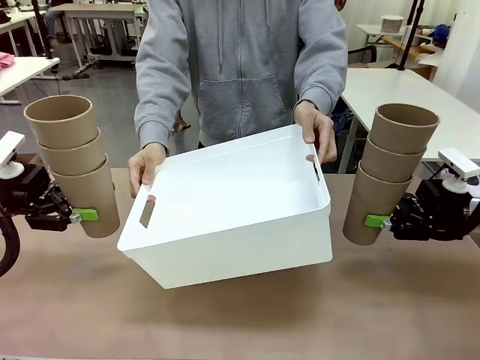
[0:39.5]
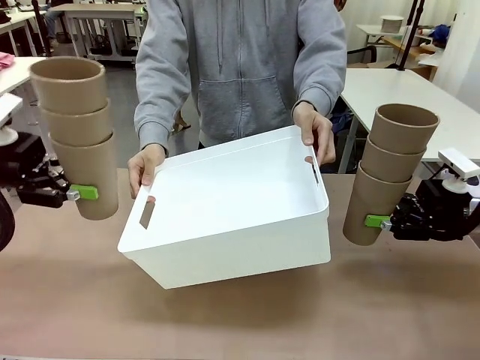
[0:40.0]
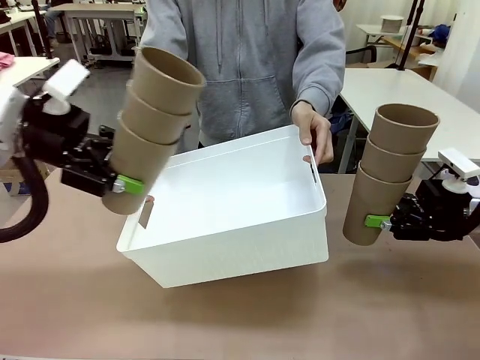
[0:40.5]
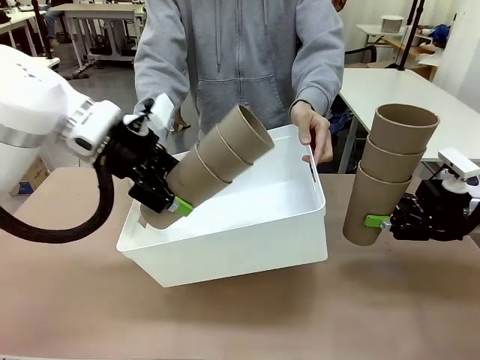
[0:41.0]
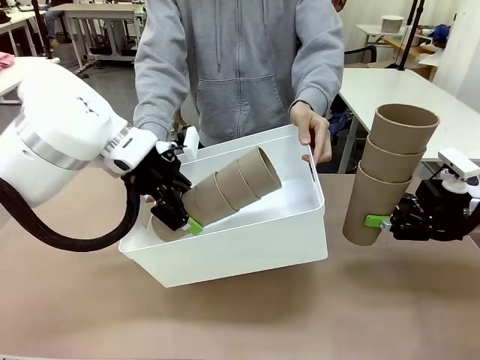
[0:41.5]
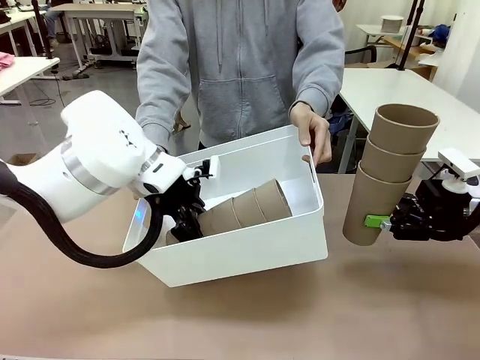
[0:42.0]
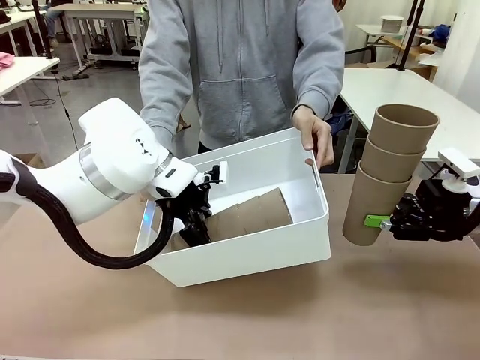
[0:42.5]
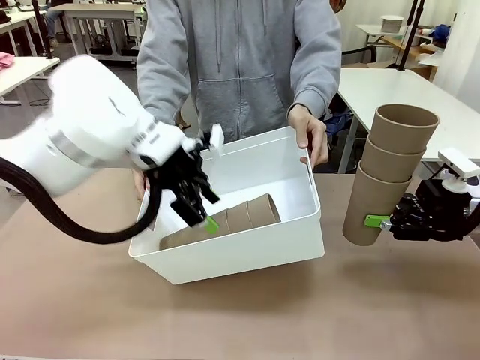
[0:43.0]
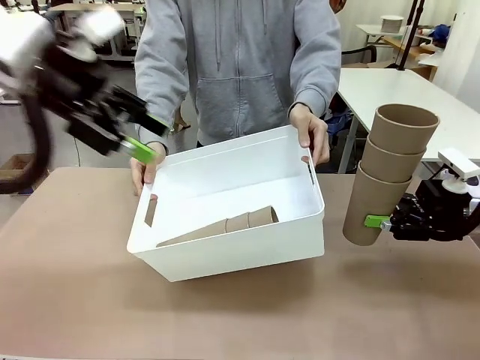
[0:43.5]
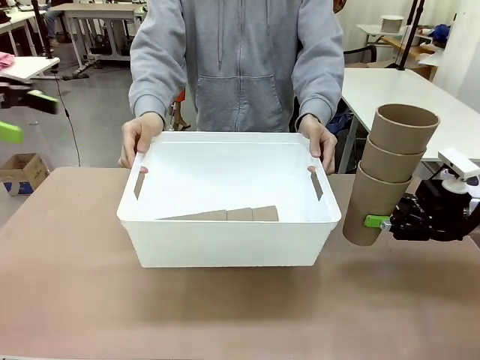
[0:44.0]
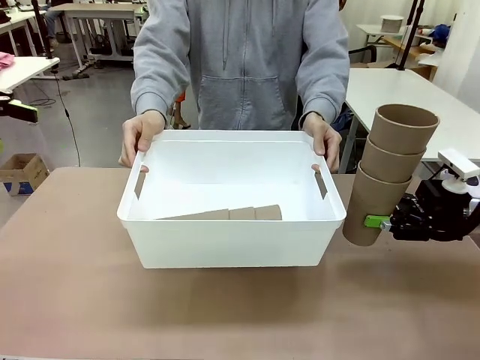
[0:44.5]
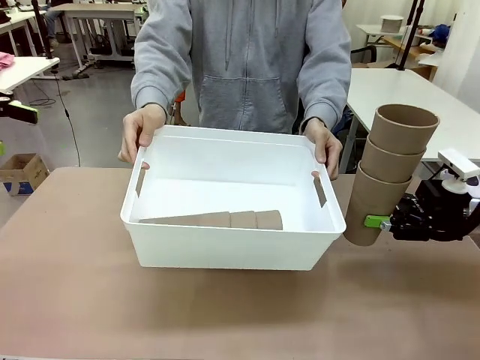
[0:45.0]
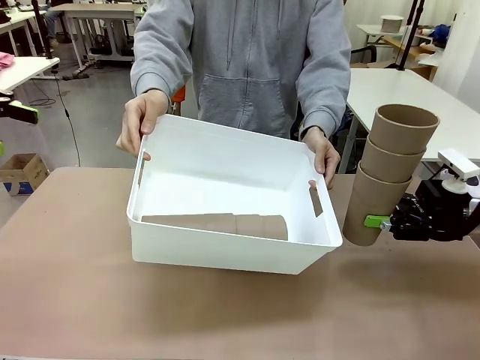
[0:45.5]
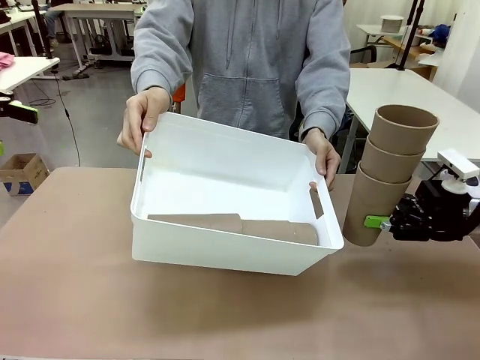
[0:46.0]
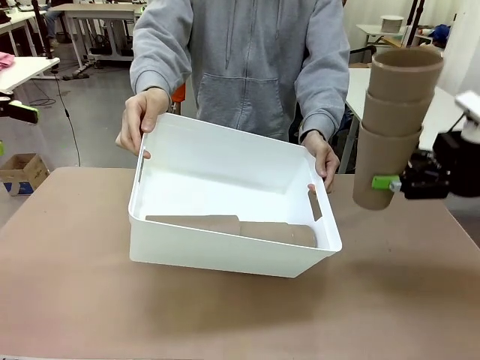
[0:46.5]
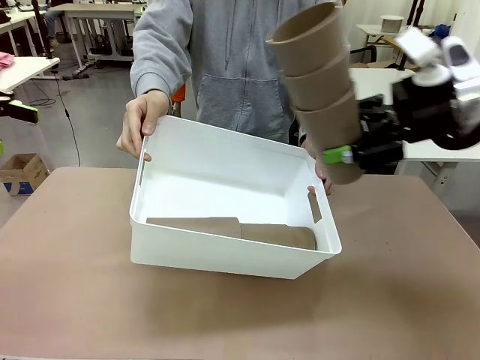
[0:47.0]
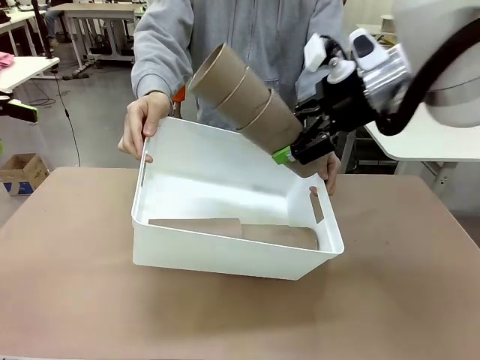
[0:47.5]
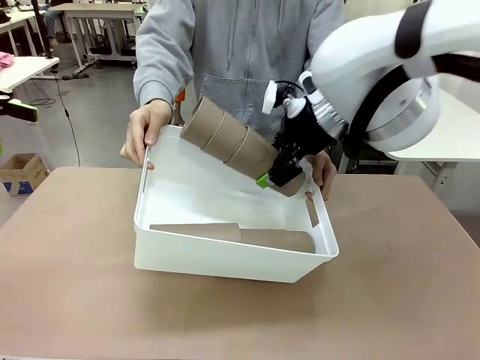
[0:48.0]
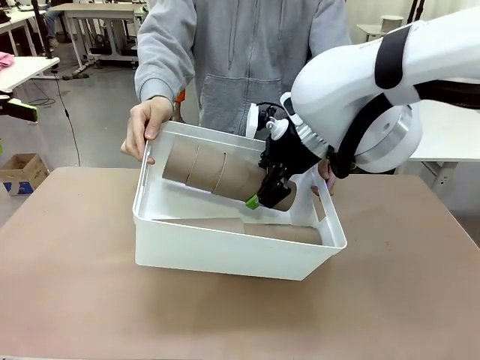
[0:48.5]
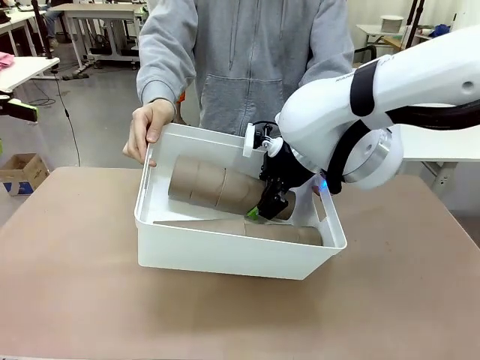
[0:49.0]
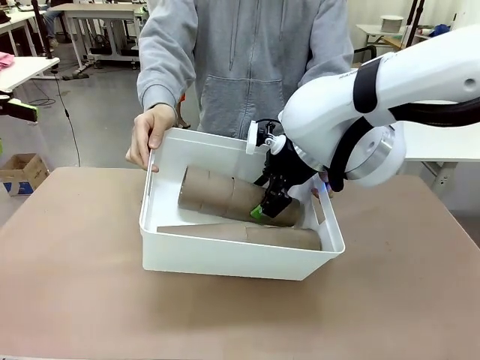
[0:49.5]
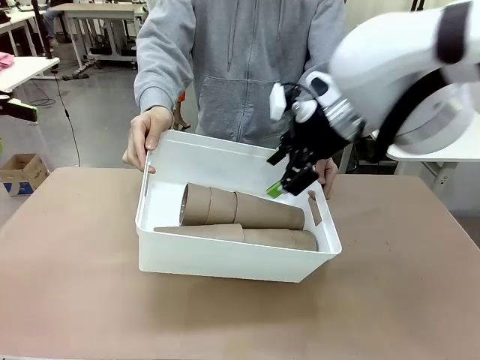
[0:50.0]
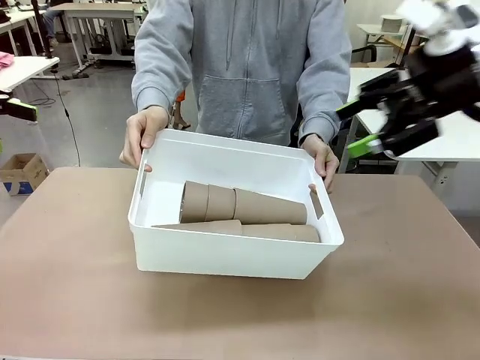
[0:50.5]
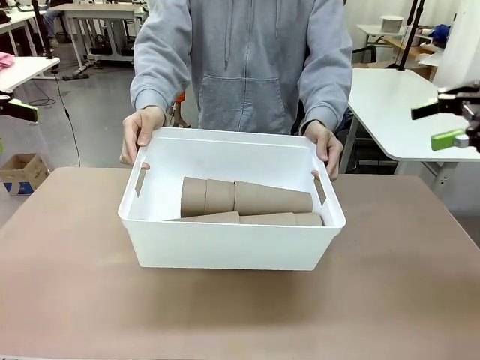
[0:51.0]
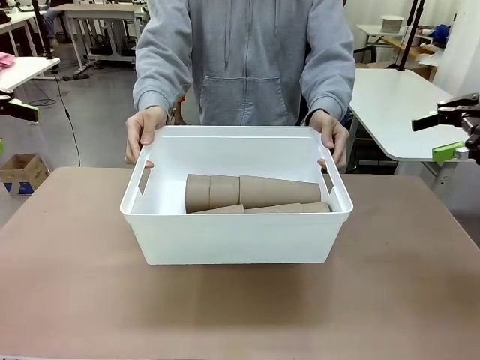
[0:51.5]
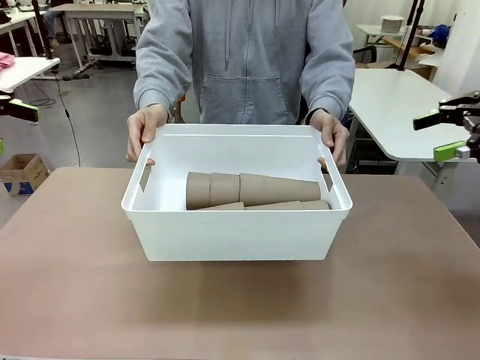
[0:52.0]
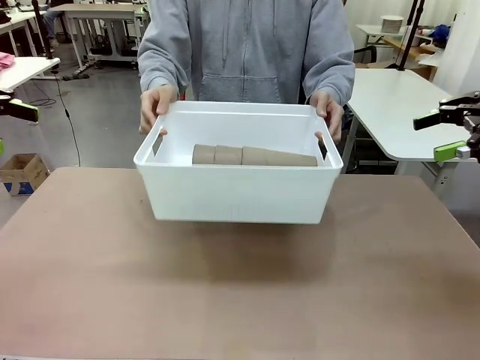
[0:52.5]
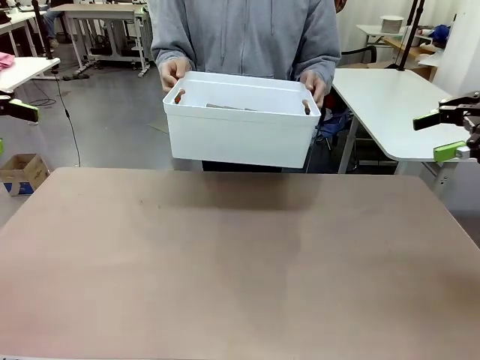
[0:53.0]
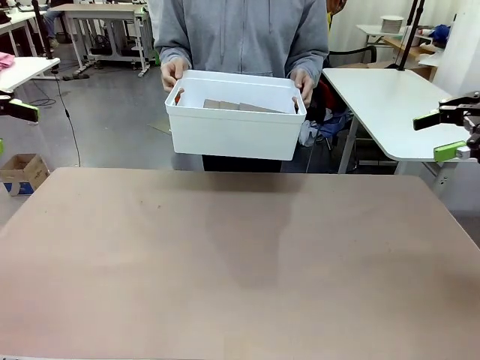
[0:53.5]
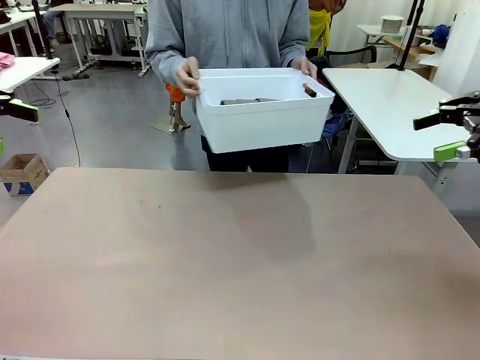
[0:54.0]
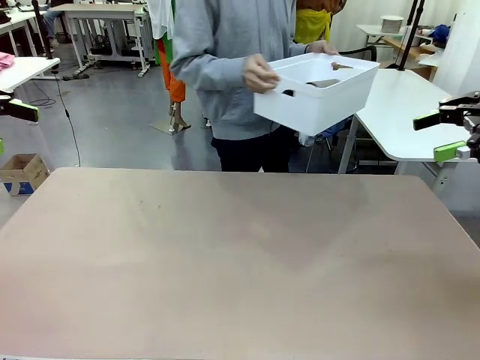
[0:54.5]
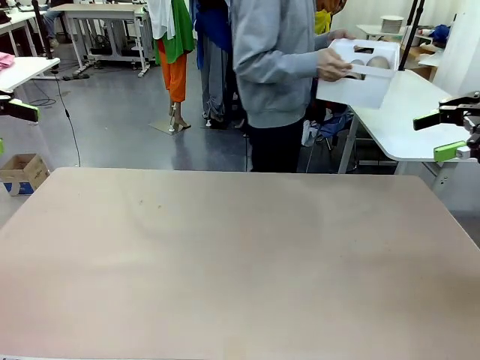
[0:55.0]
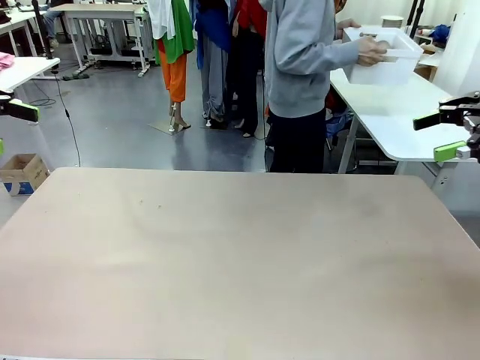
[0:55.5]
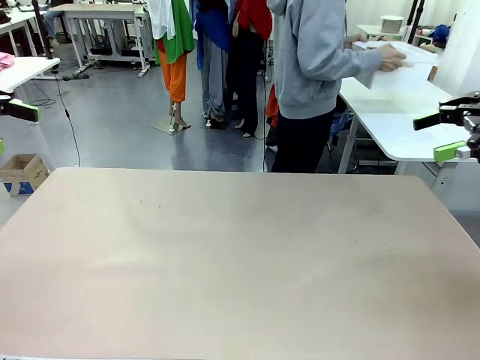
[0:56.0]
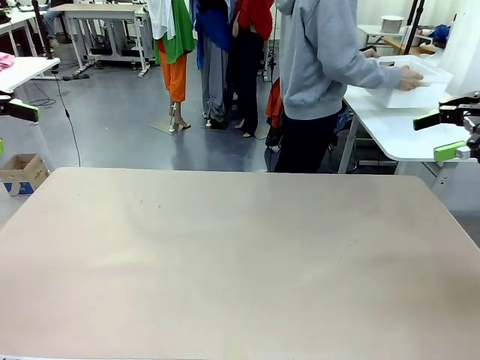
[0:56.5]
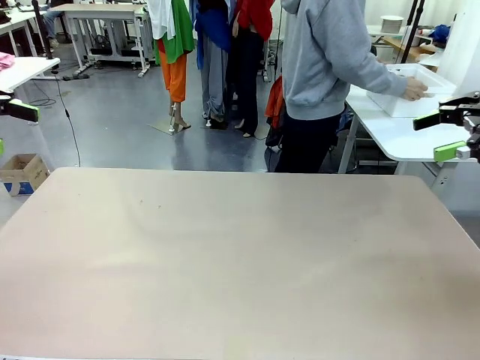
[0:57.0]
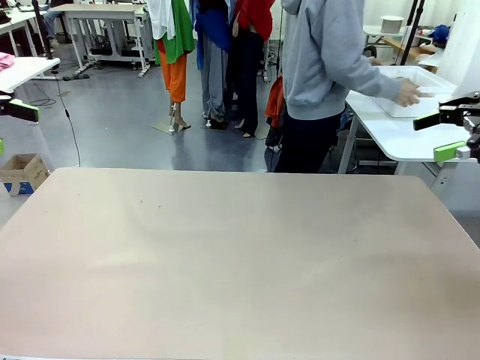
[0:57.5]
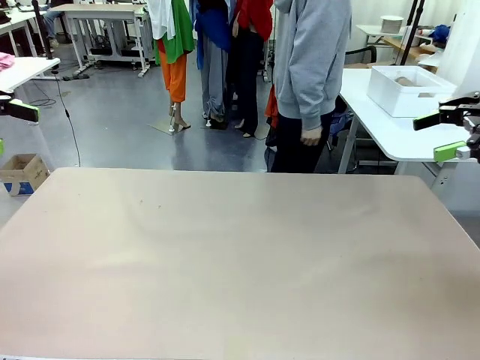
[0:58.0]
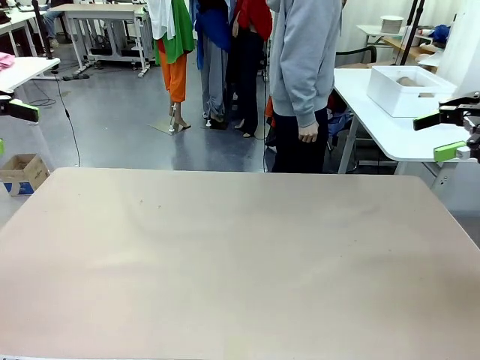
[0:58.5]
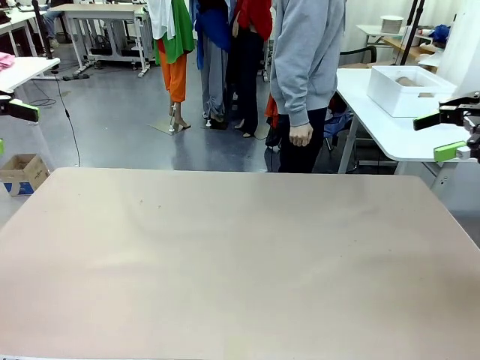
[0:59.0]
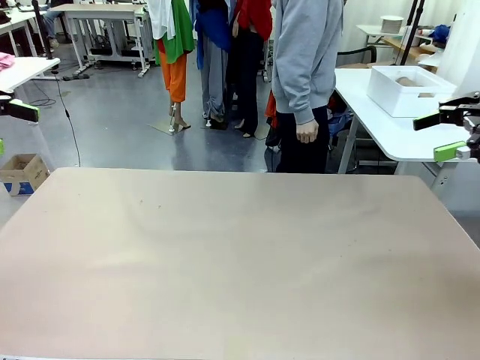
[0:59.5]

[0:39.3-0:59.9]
Task: Stack the cups and store them in the basket.
Robot: Place the stack of Reusable plastic cups into the Pantry Basket.
Person: Place the basket containing the cups in the middle of the Human Table.

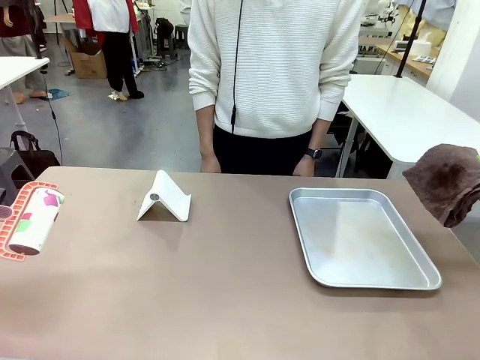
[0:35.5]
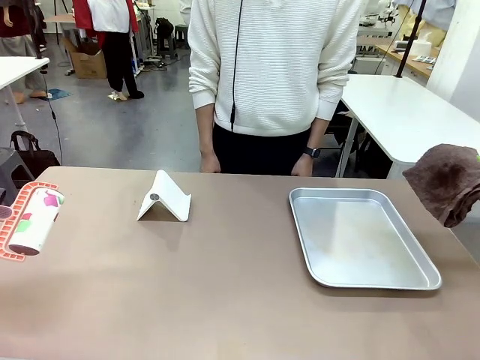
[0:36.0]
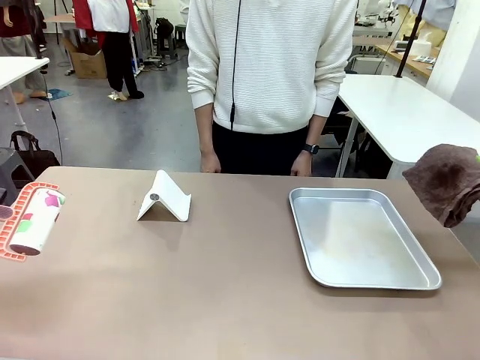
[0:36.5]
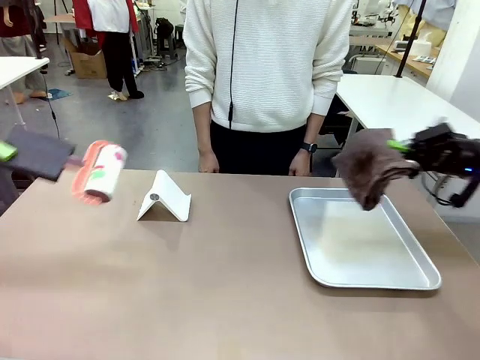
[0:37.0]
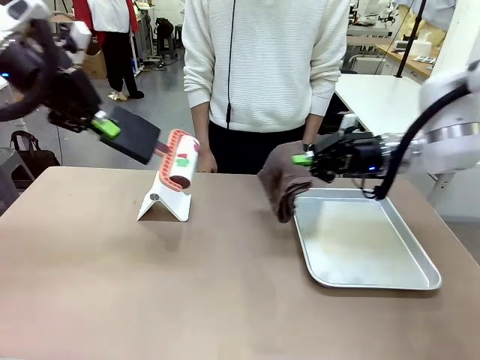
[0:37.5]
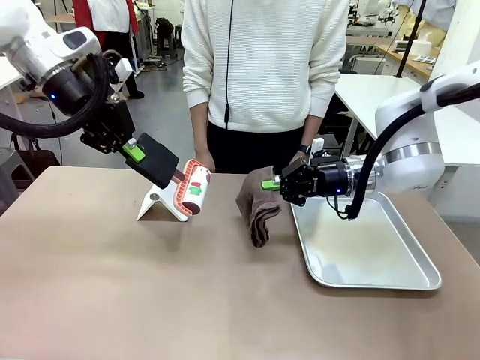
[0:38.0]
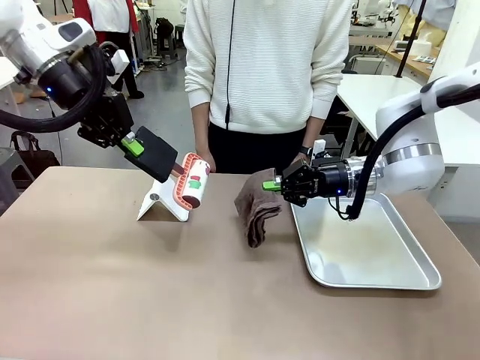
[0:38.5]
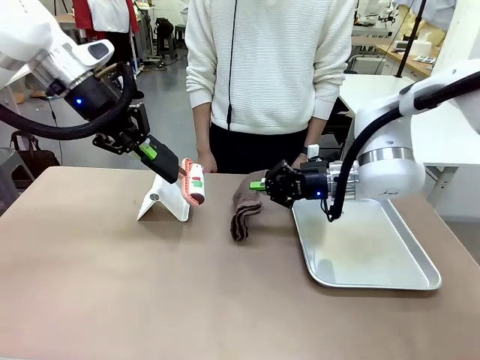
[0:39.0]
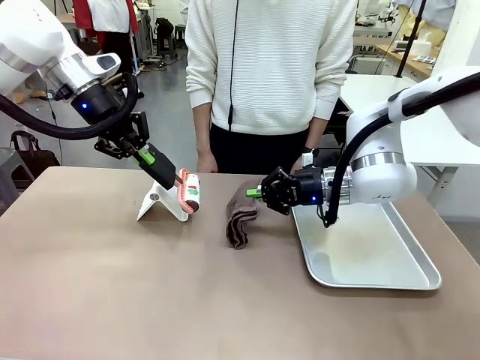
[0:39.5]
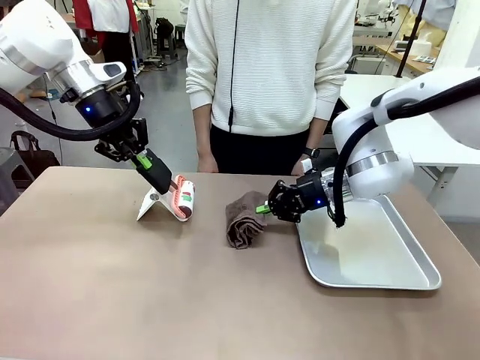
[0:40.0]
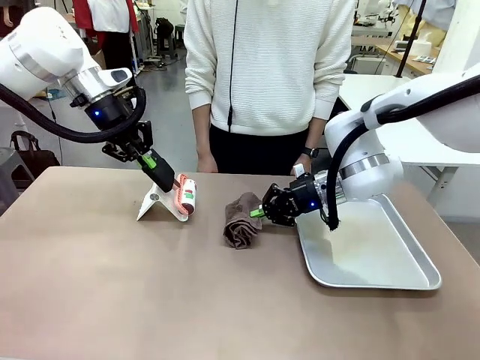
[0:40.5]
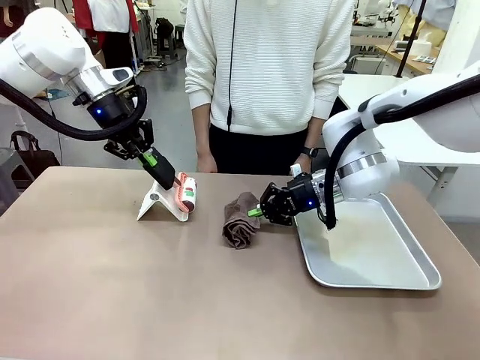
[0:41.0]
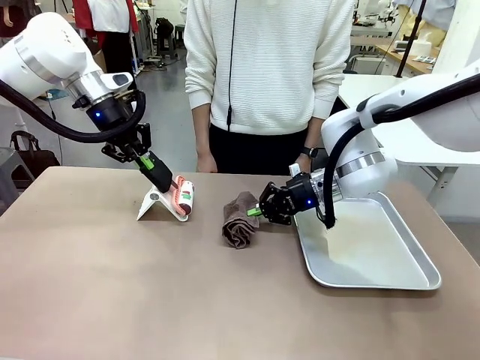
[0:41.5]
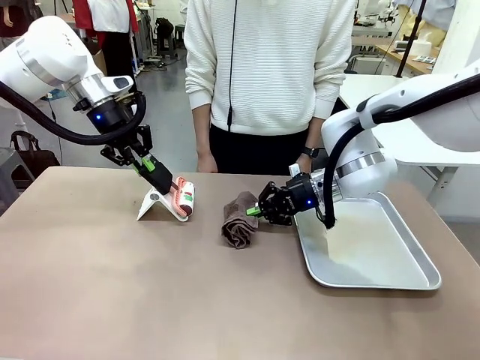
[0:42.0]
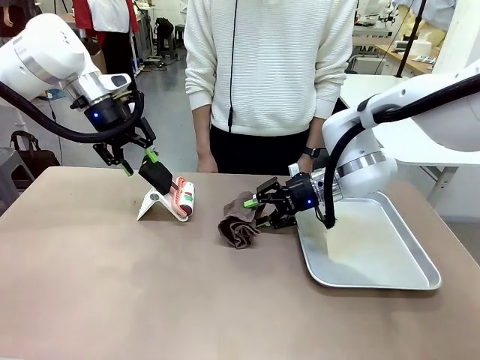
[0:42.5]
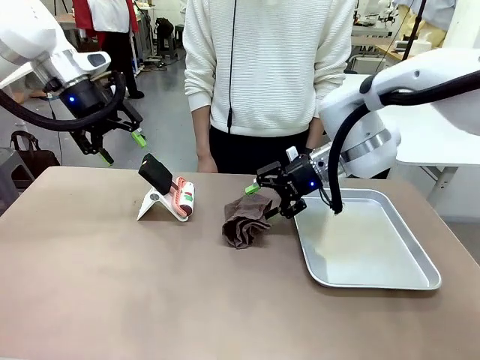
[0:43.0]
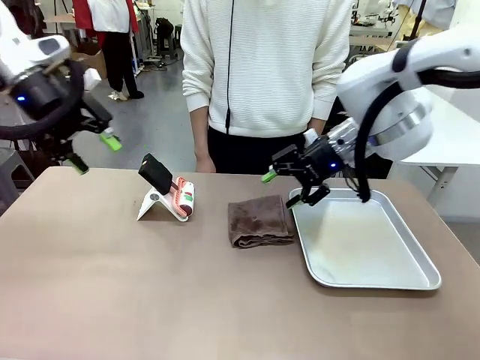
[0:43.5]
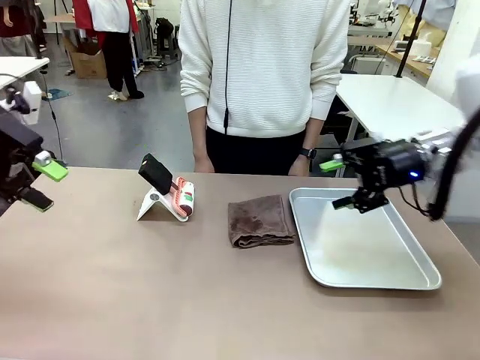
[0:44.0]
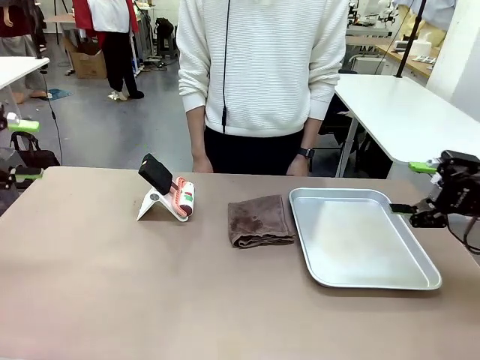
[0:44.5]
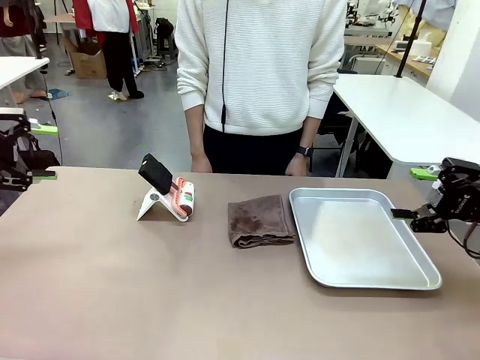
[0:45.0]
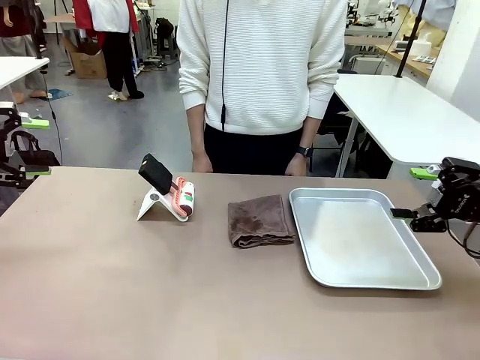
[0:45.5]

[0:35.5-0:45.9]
Task: Clean the surface of the table.
Robot: Return the Lint Roller and towel to their original positions.
